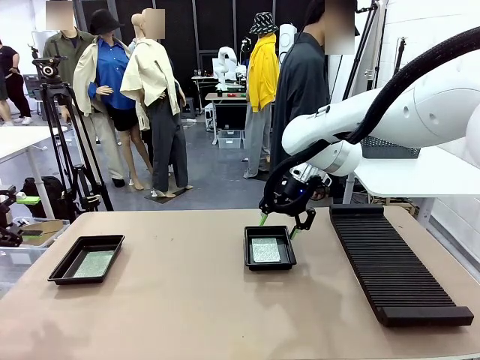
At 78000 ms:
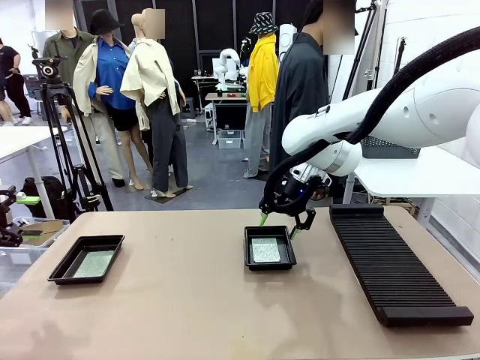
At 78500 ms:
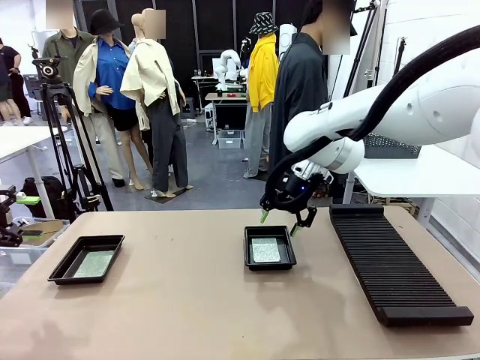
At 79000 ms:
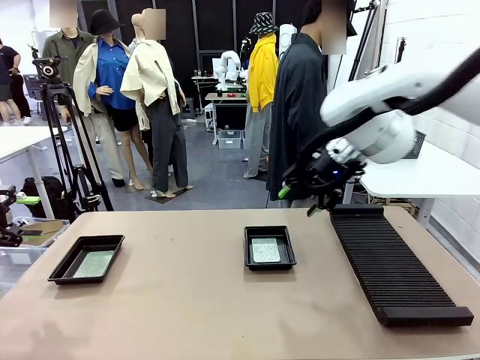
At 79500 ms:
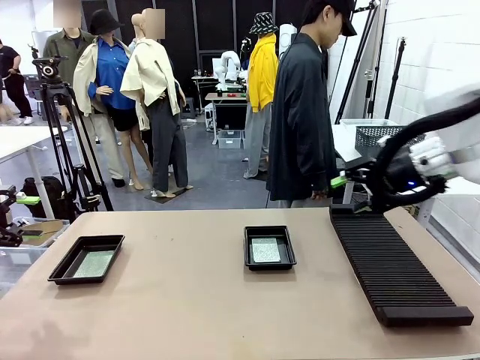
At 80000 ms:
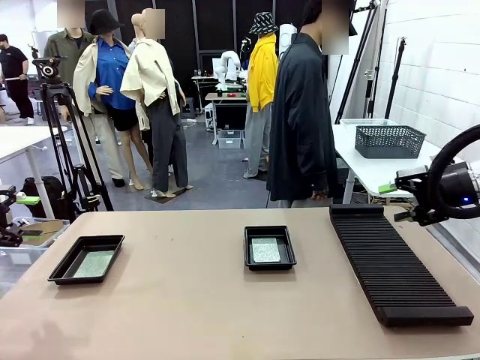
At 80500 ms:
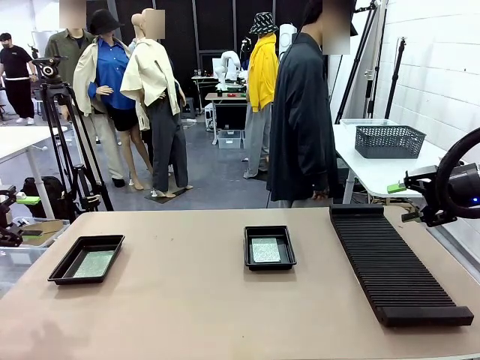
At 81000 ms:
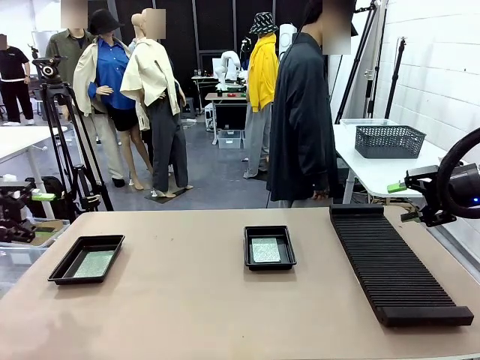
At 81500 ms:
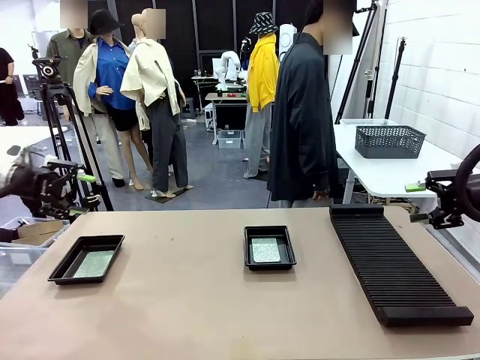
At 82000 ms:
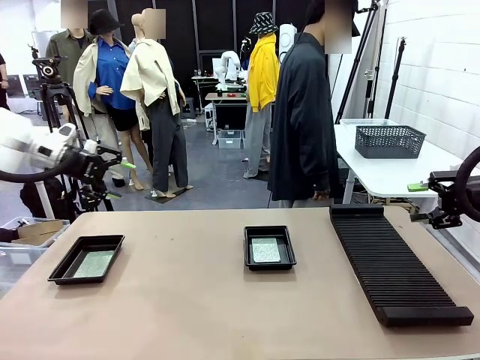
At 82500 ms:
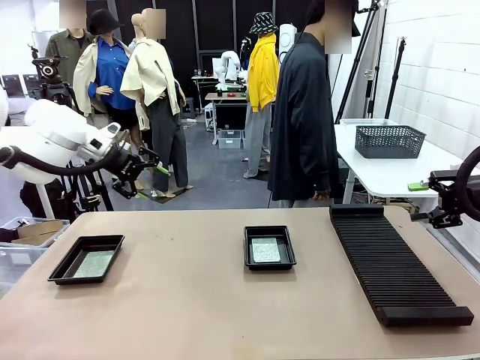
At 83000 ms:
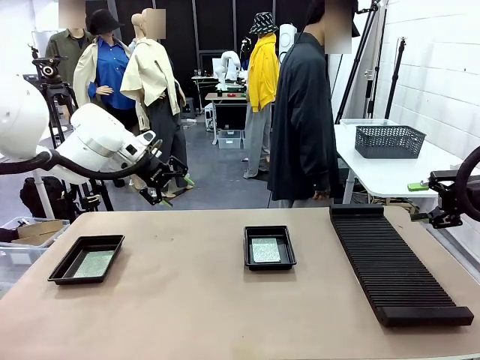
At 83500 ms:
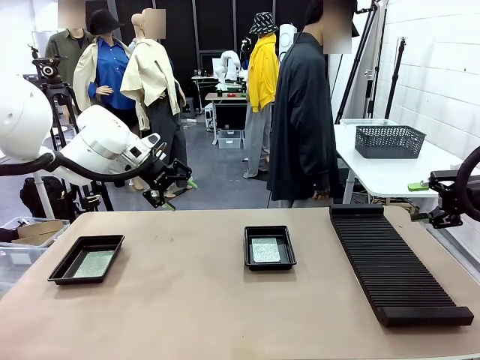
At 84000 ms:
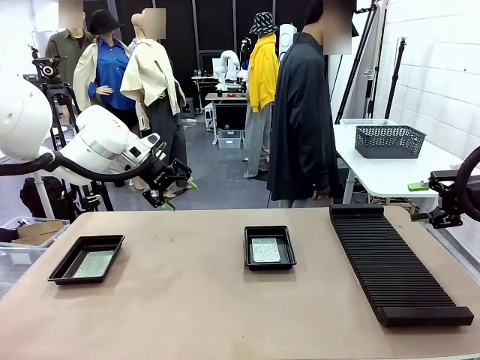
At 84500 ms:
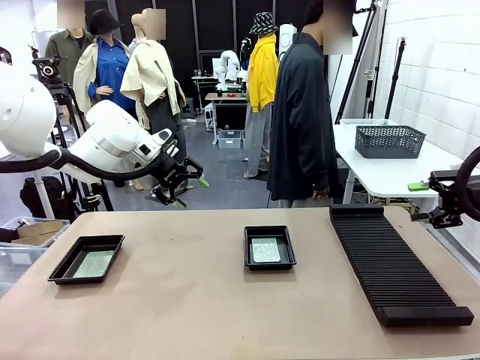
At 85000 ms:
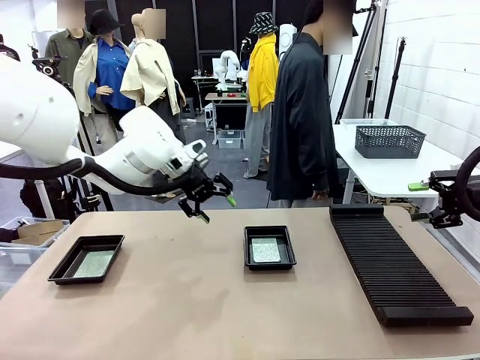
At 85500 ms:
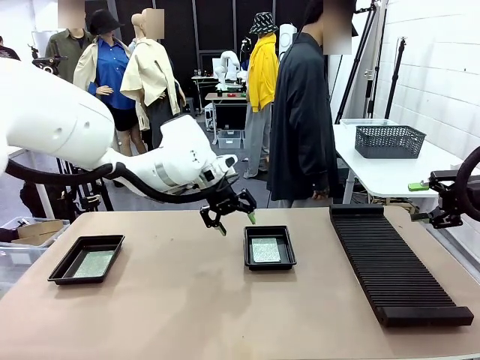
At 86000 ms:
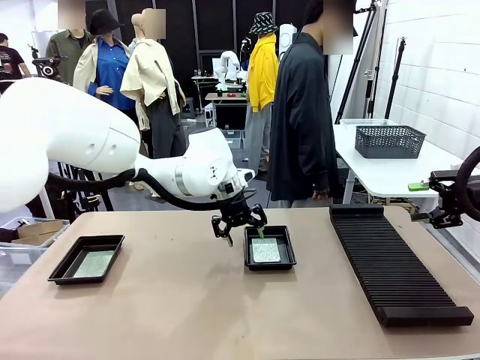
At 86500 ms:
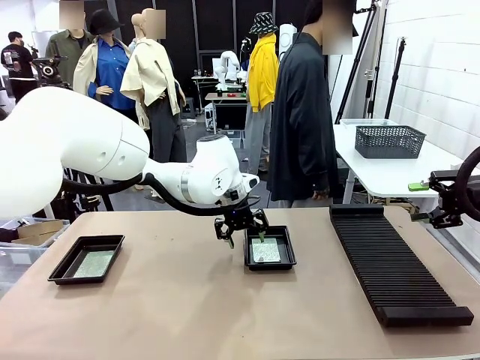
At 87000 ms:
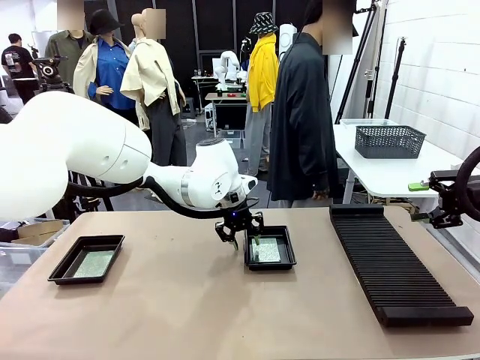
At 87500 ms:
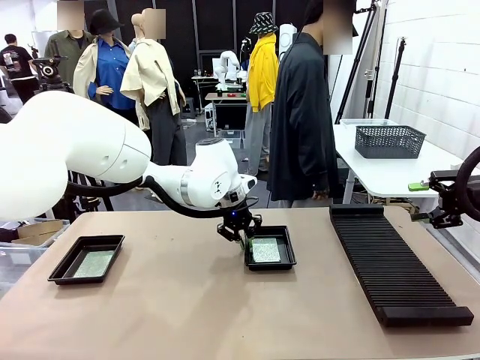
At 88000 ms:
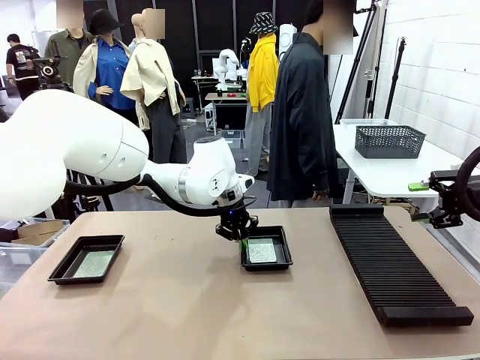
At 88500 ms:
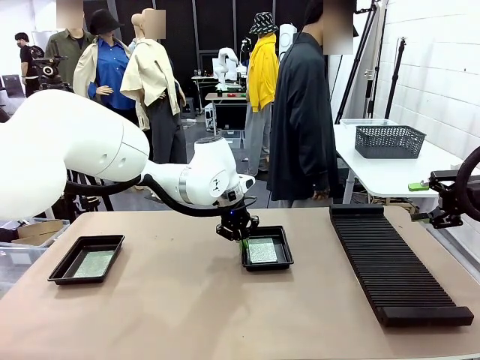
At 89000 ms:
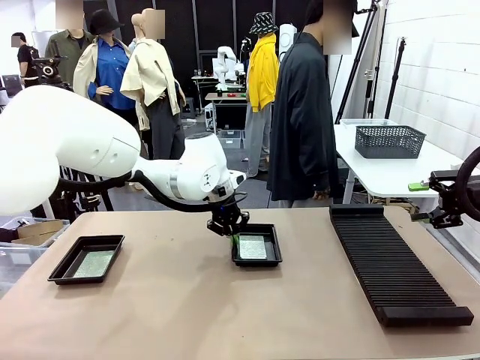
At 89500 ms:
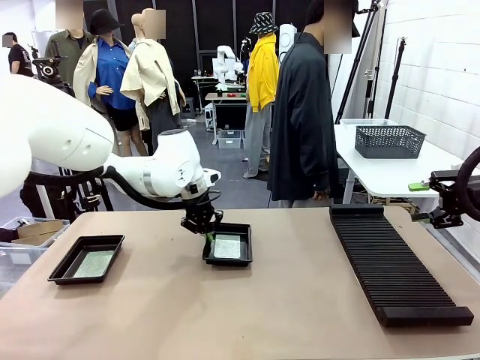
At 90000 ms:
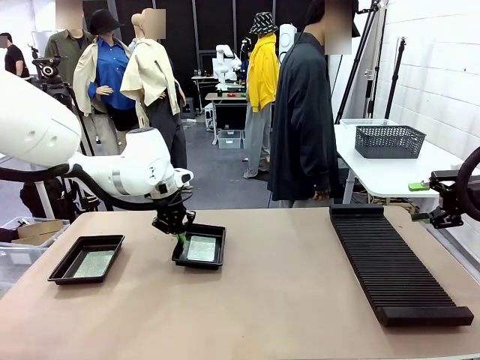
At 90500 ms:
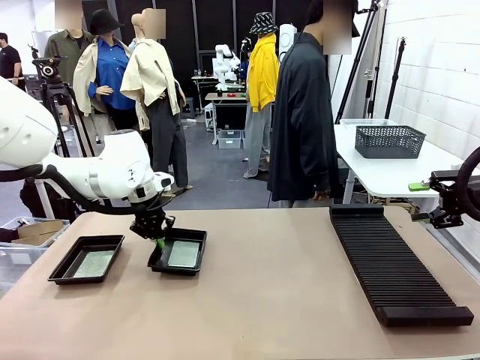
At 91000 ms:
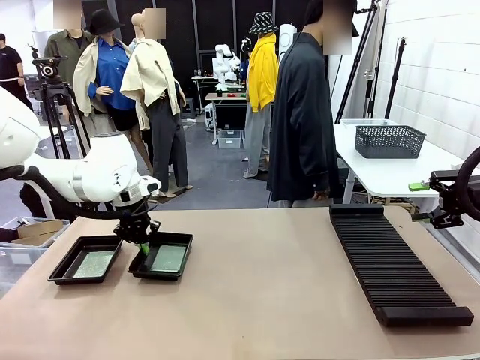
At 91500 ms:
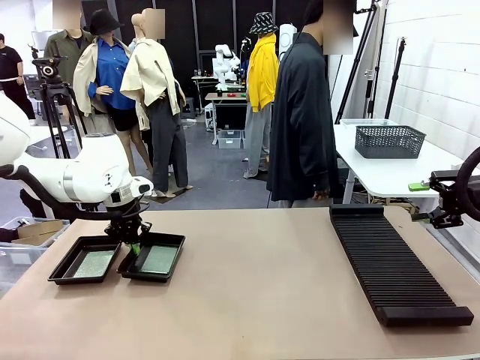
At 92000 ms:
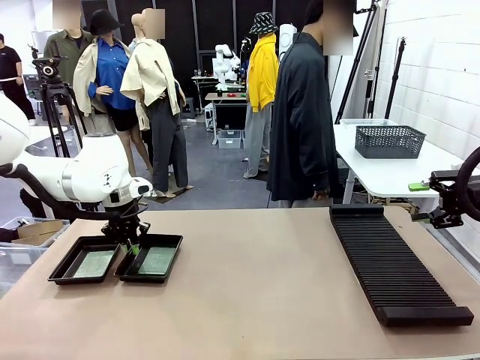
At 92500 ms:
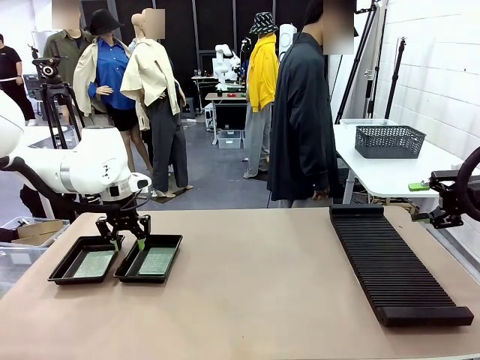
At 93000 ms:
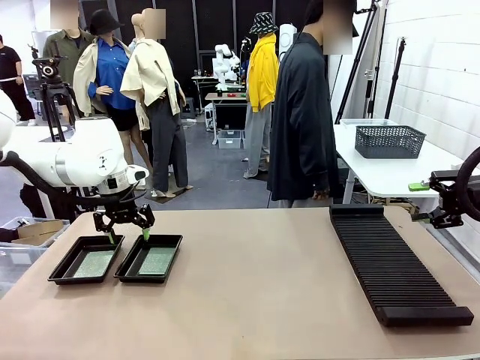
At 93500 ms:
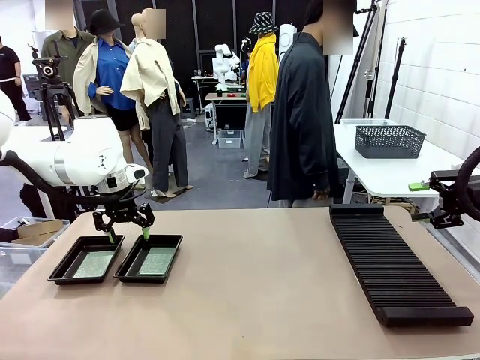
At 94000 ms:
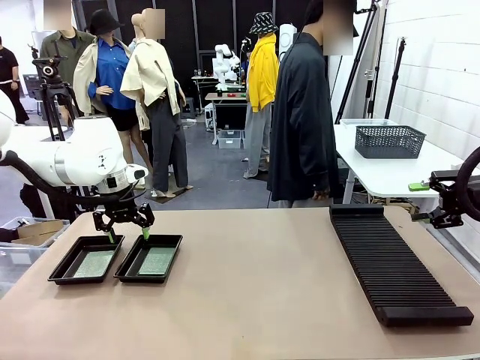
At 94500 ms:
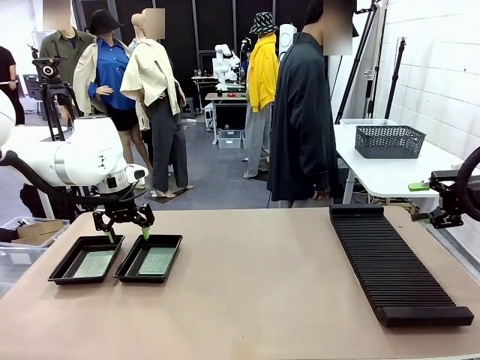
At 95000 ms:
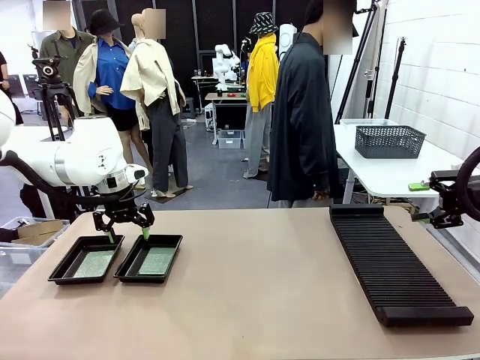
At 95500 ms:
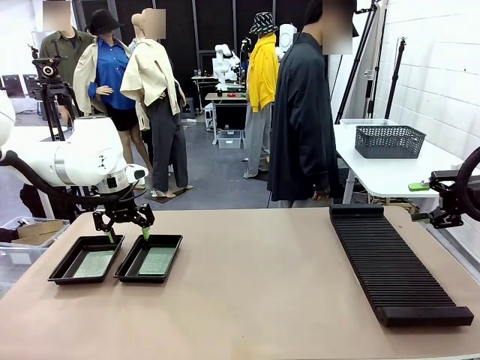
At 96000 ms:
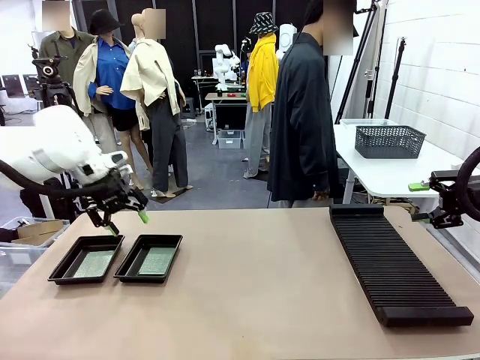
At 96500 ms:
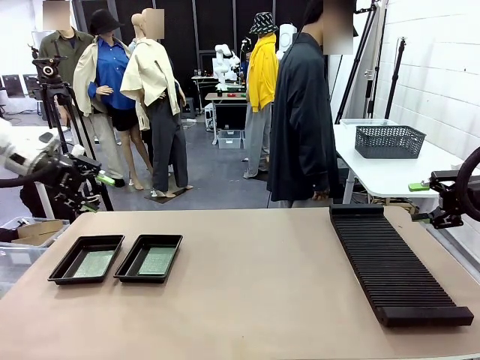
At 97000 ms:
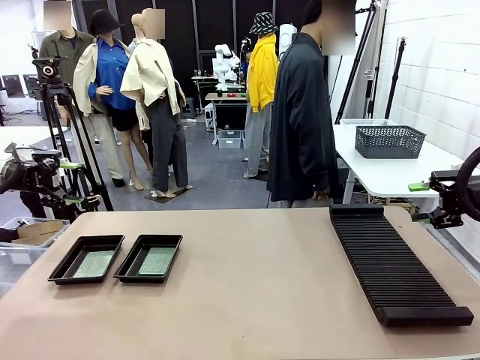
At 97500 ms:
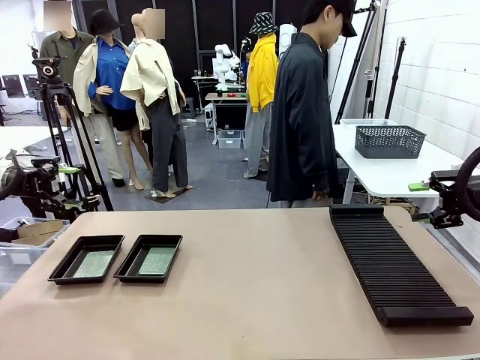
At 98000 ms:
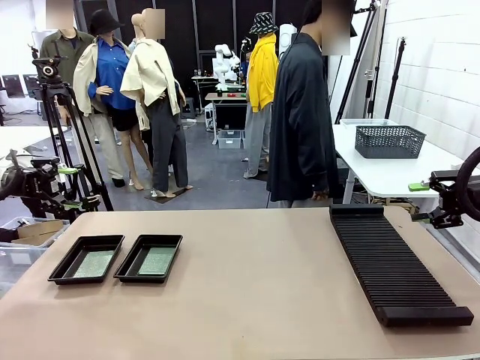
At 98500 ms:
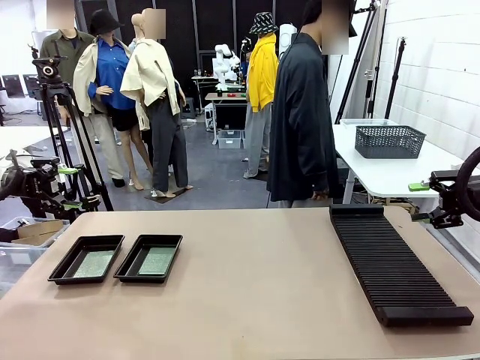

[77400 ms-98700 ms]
Task: Inspect and transfer BCBs to ESD trays.
Robot: Pick up the ESD tray and place it on the left side of the table.
